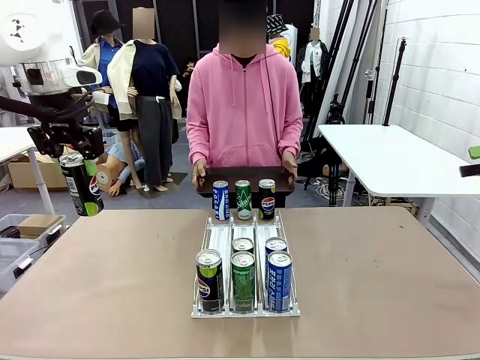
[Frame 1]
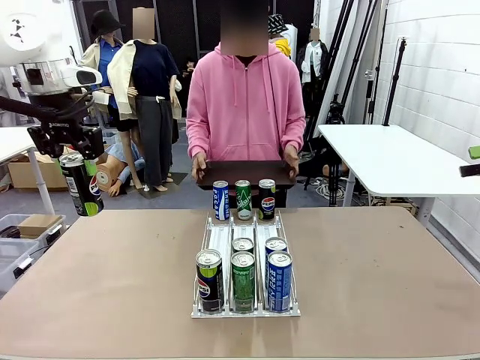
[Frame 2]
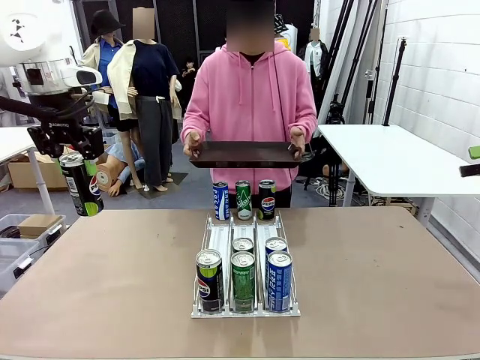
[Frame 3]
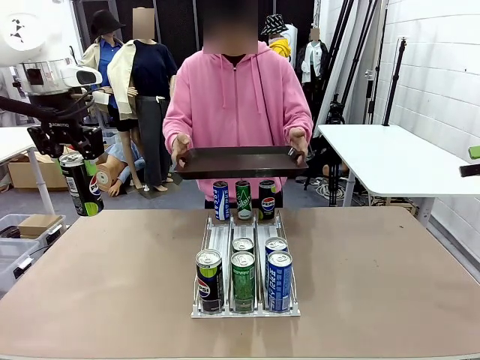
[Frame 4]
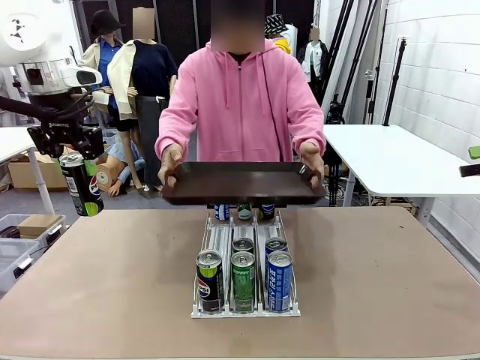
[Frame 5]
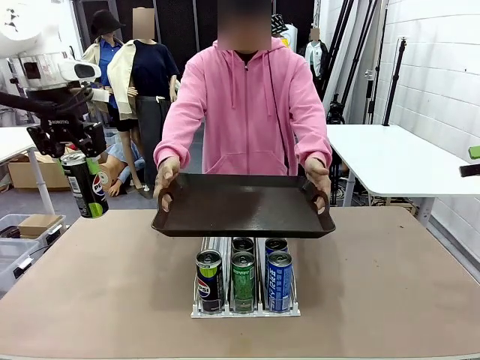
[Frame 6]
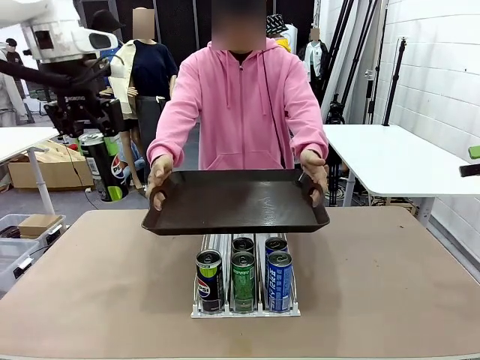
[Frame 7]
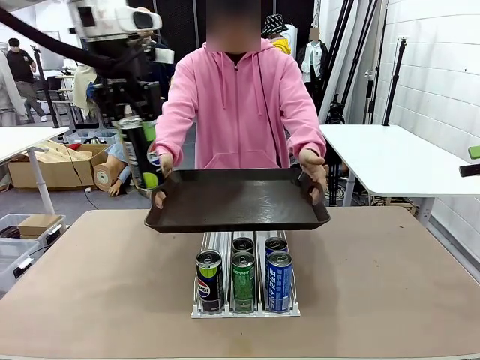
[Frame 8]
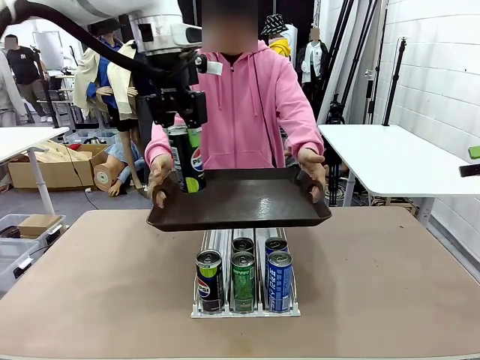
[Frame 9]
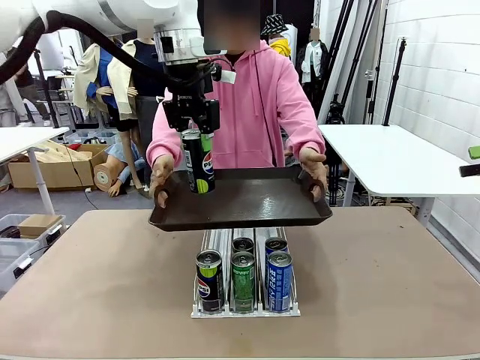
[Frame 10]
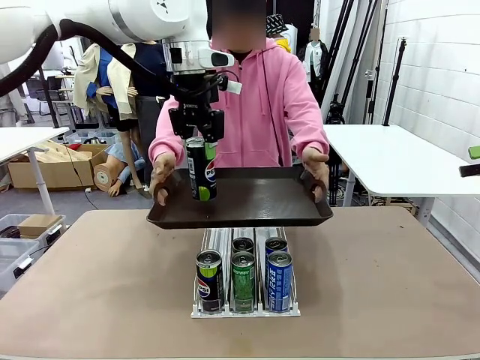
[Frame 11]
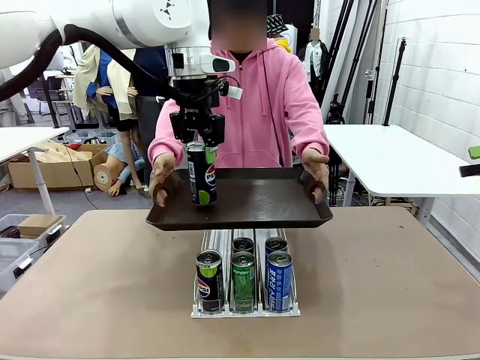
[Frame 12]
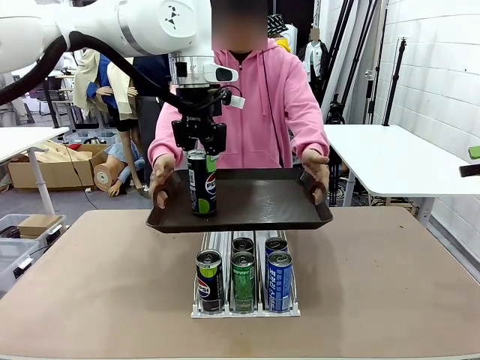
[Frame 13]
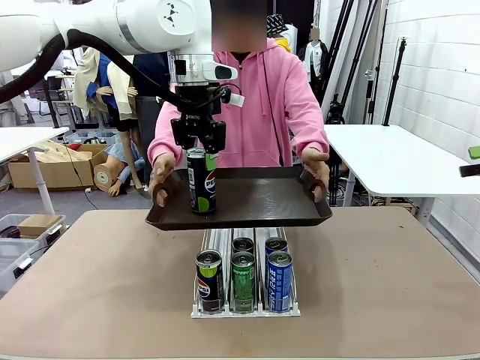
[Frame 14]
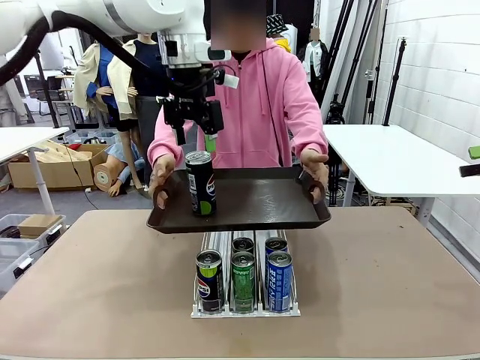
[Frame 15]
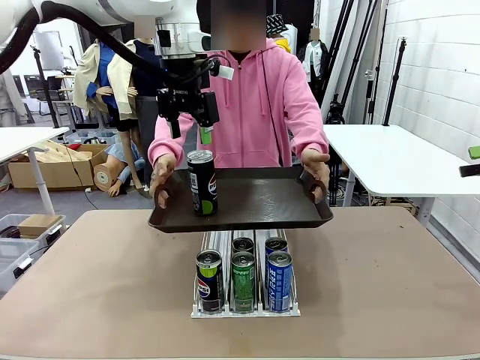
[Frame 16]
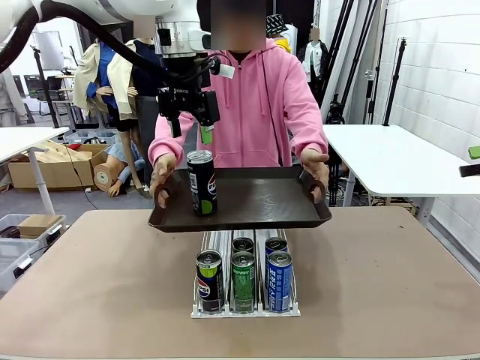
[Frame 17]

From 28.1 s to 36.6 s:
Task: Retrieve and hand over the desired beverage to the person.
Robot: Place the picked can on the Handle tray extended by the person.

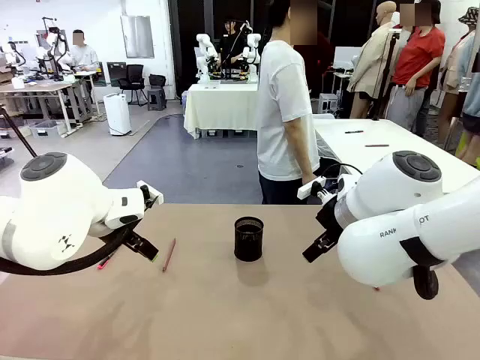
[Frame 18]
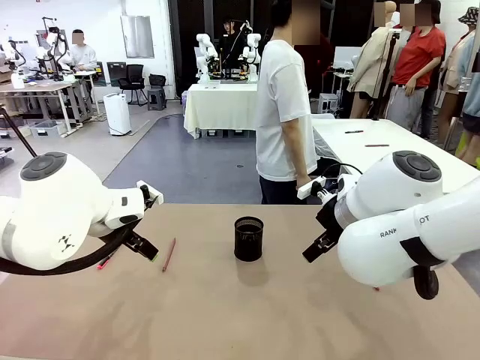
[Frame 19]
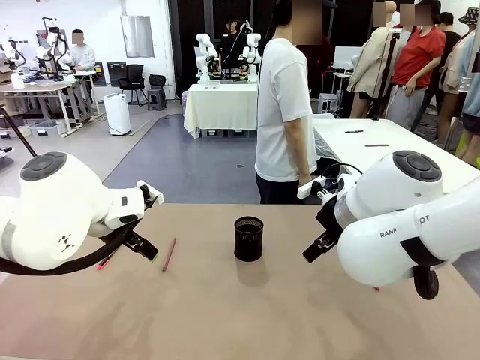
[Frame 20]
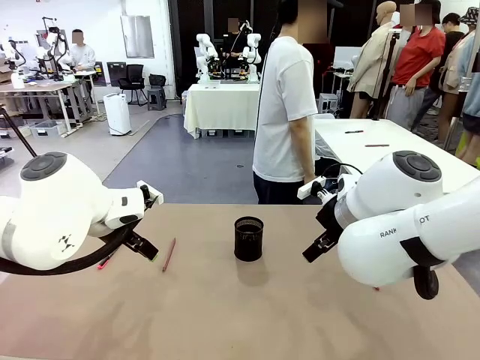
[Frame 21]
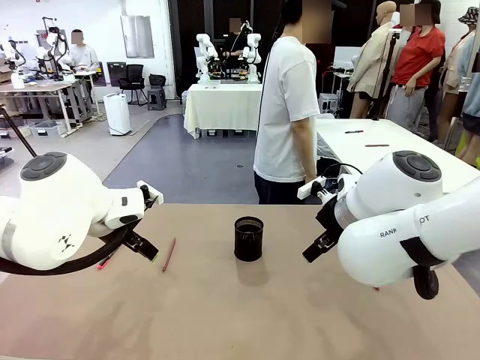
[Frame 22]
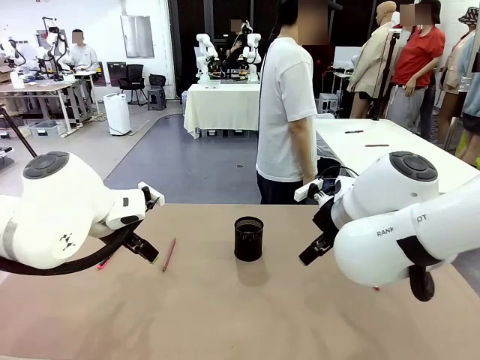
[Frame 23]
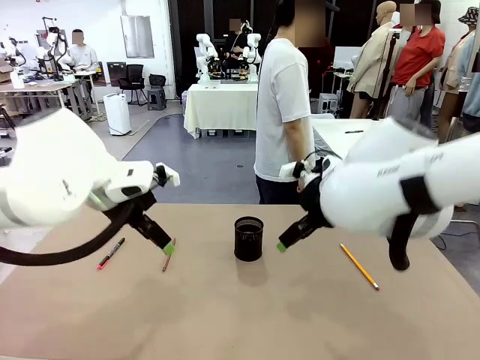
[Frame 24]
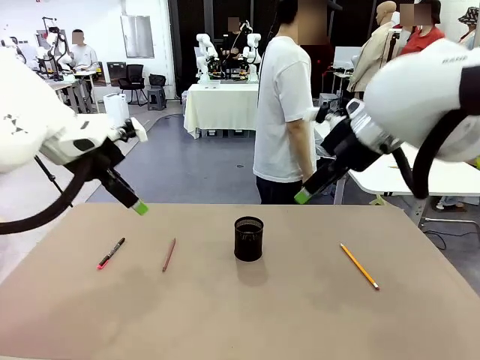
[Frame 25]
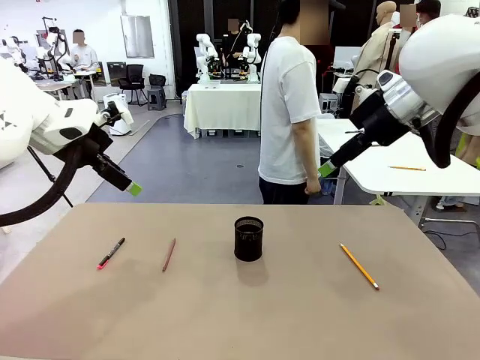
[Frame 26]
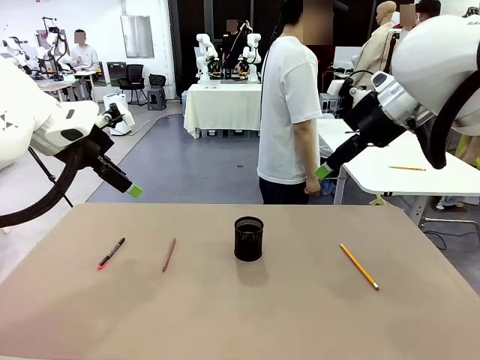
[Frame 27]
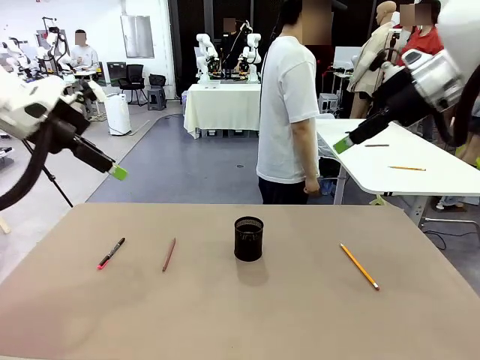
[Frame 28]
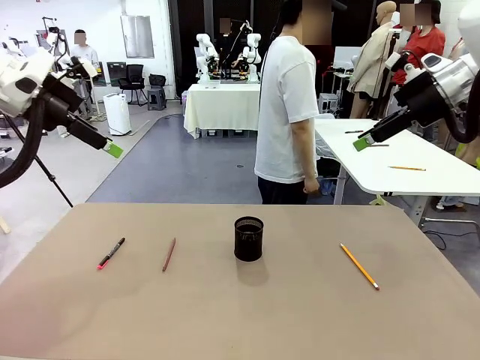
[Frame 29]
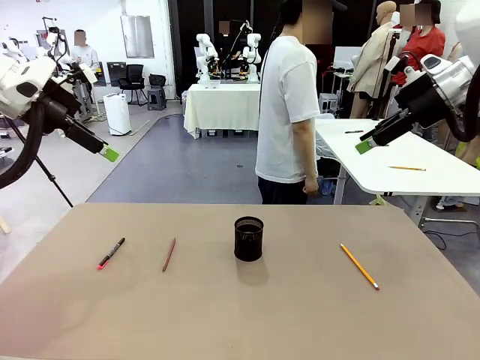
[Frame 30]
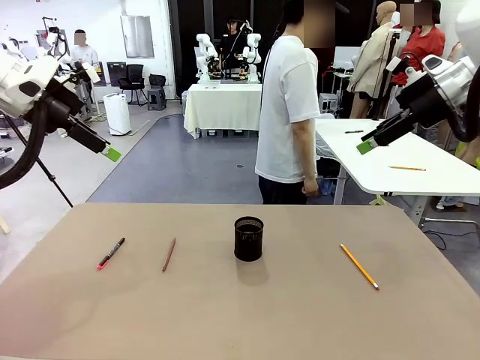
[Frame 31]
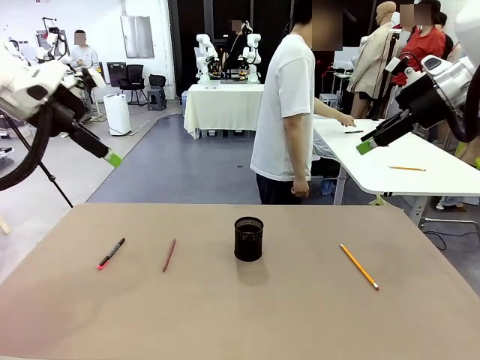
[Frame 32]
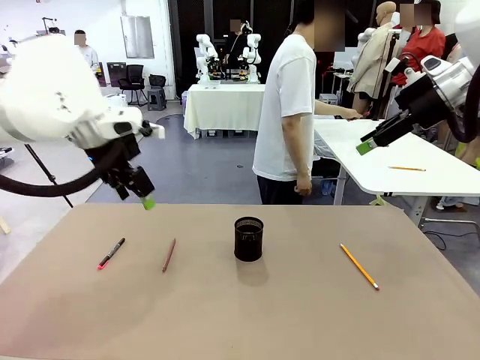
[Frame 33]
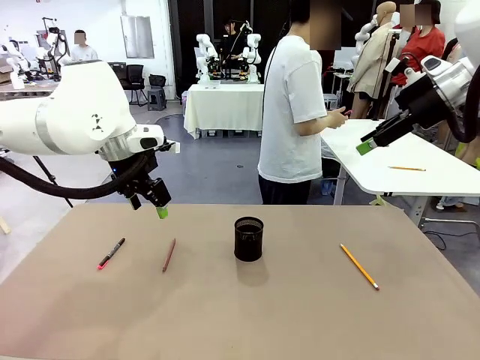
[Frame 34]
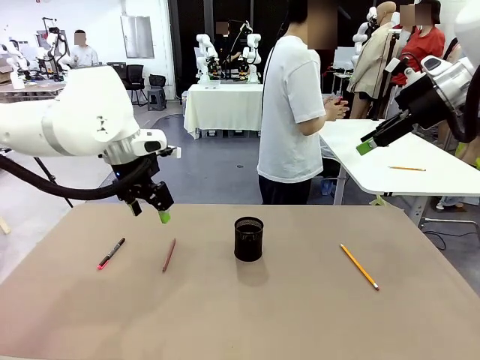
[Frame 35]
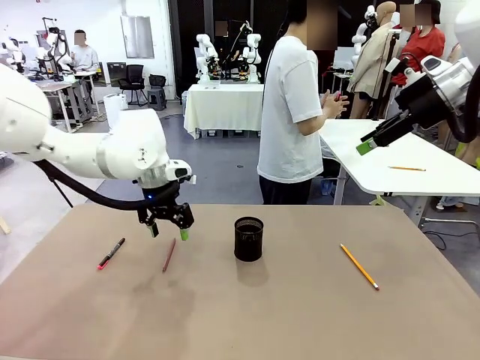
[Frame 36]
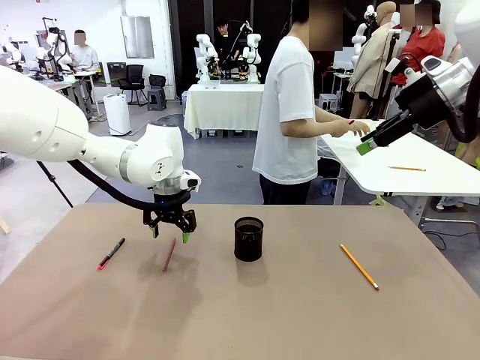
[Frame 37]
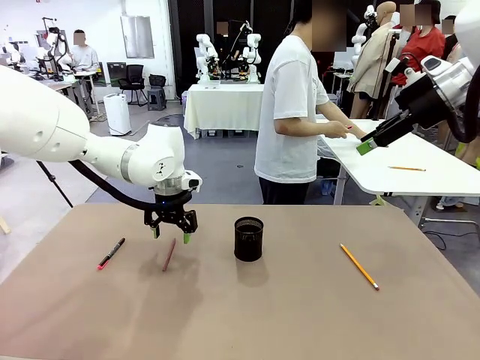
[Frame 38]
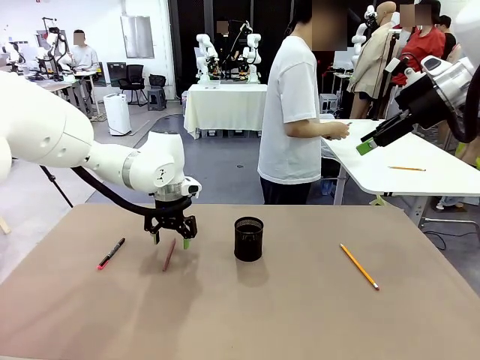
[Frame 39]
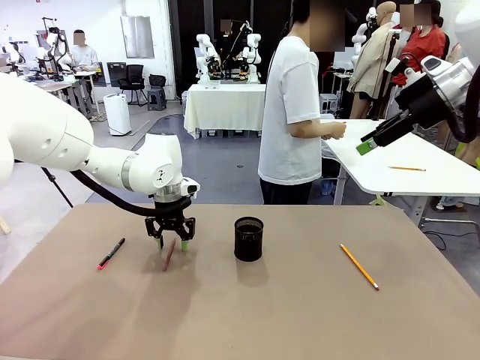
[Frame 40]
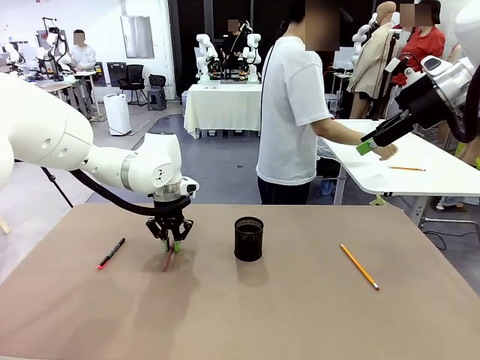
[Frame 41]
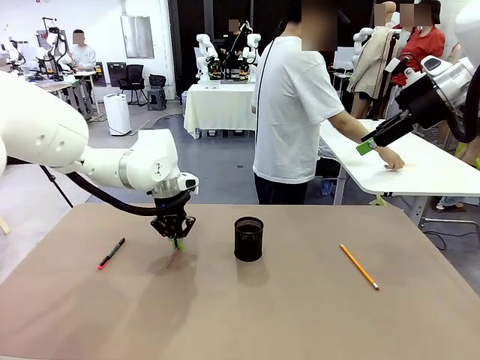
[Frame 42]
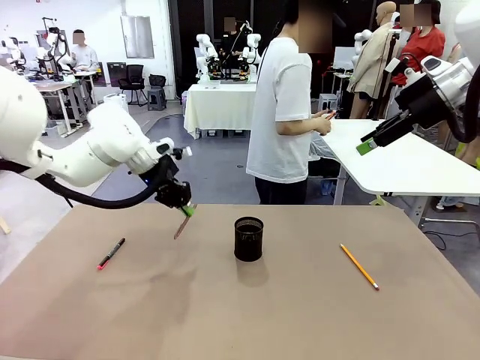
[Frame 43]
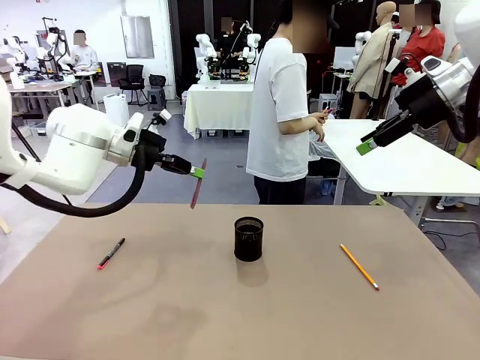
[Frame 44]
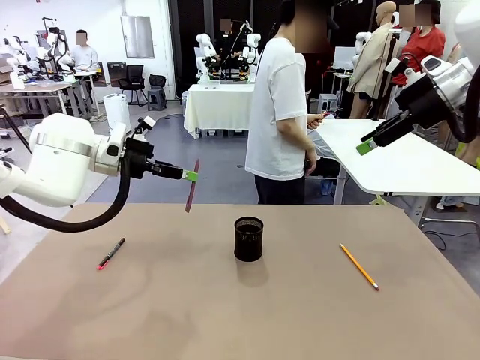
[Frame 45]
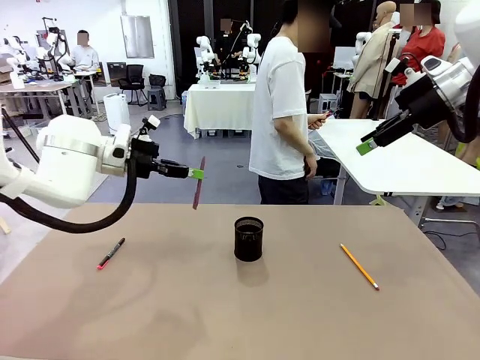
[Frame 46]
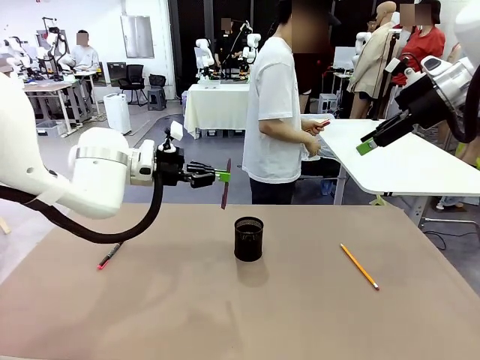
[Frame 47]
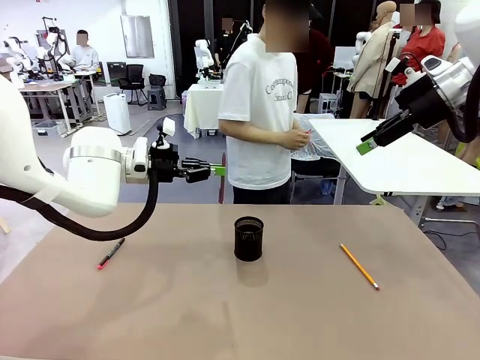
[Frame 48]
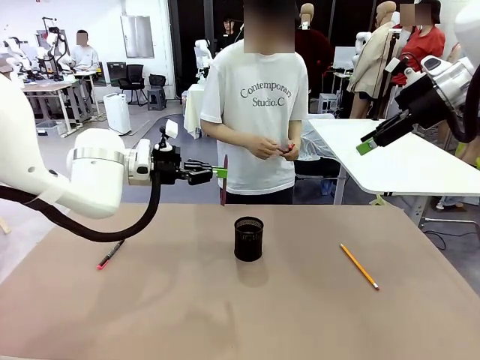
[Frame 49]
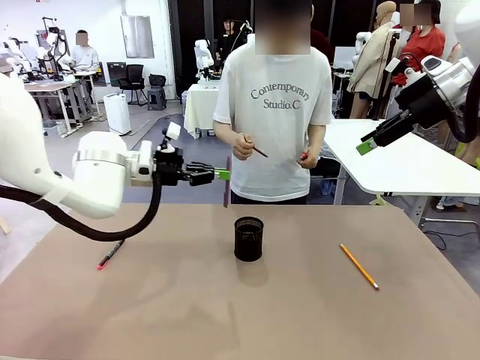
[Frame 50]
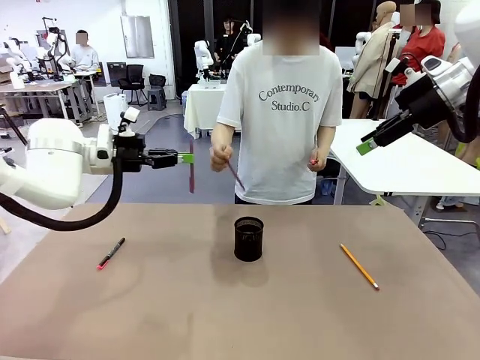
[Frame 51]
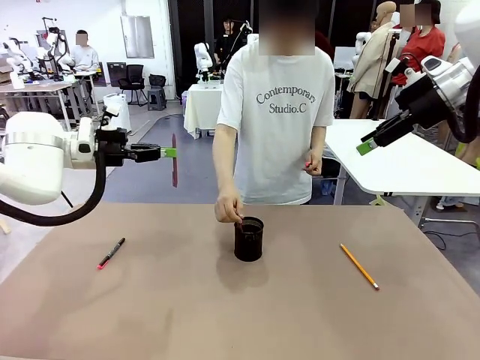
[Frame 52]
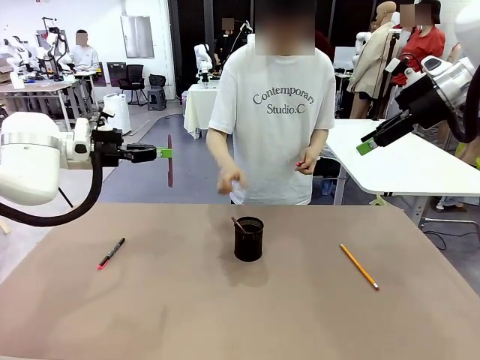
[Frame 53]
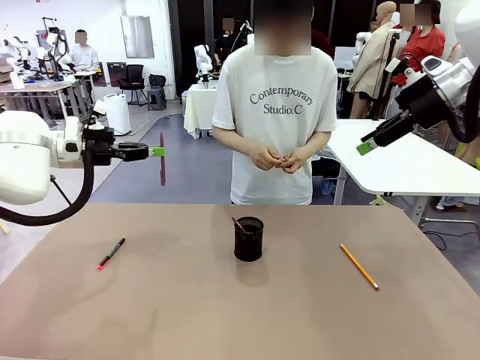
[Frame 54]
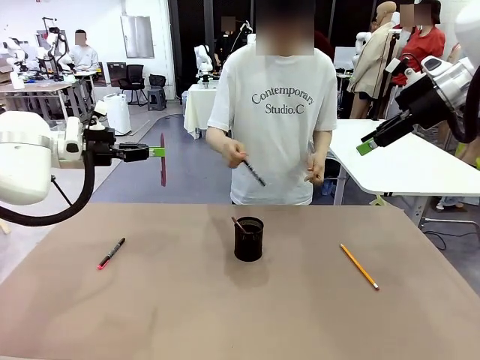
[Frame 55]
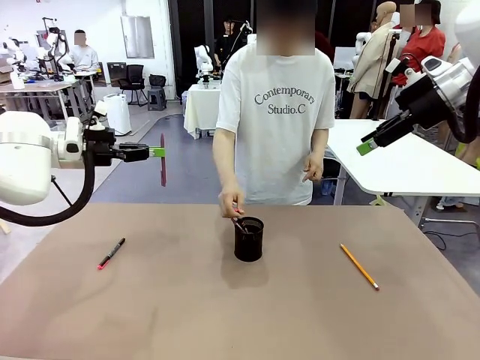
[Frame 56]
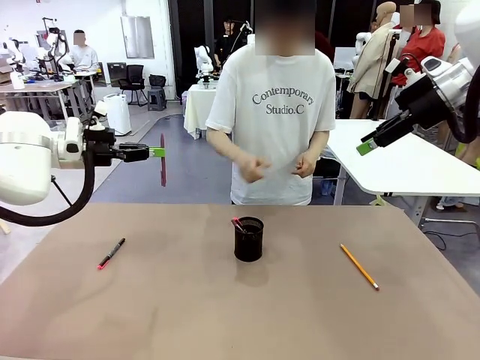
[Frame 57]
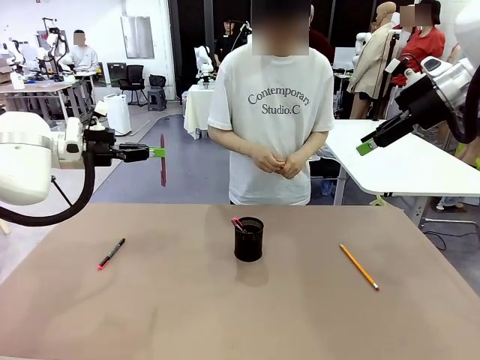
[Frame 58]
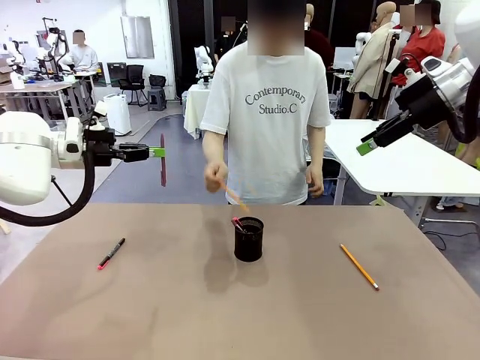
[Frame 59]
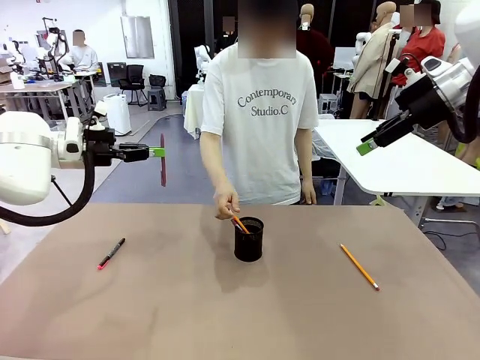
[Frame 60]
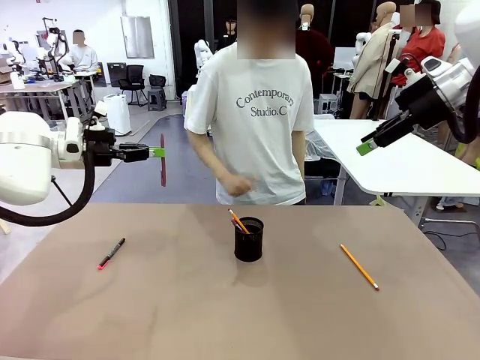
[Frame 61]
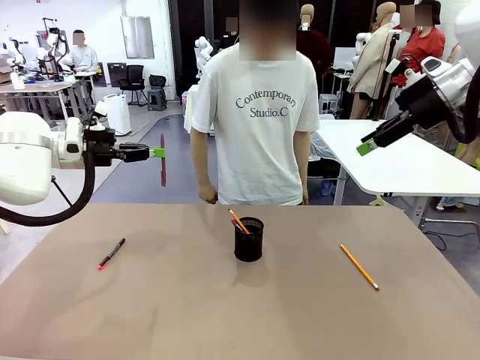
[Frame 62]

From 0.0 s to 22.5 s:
Task: Place the pens into the pen holder.
Robot: Pick up a writing instrument from the table and place it into the Pen holder.
Person: Pick up all writing instruments from the Human table.
